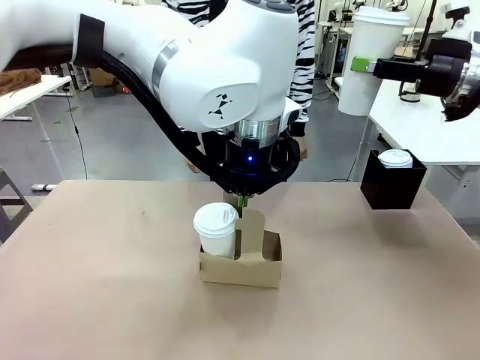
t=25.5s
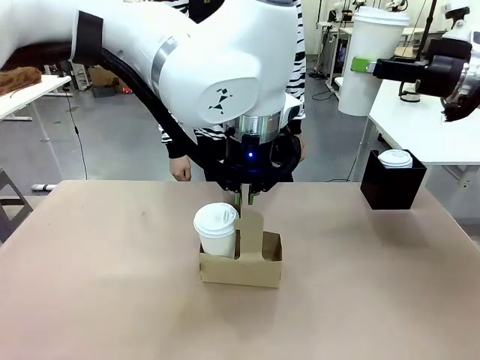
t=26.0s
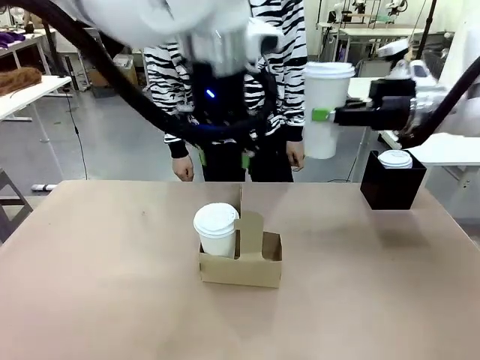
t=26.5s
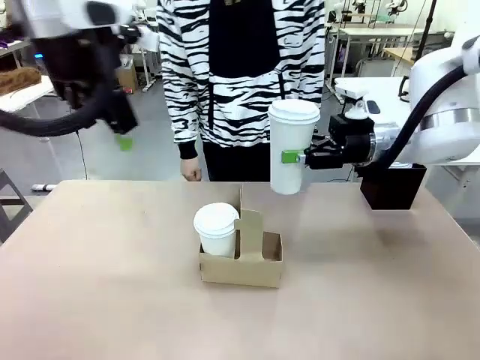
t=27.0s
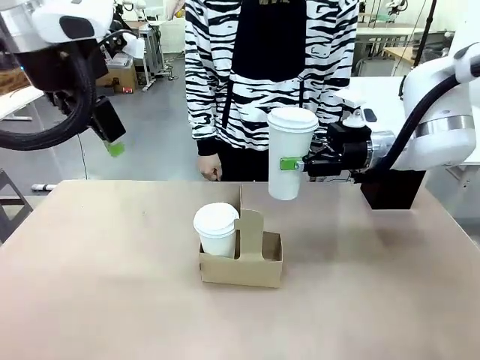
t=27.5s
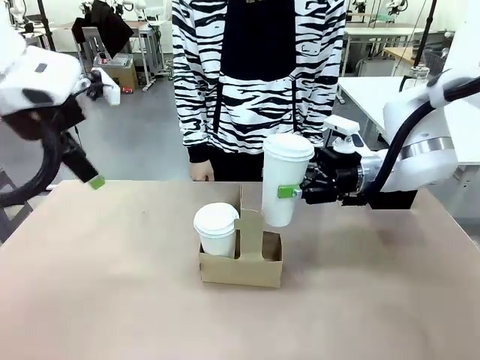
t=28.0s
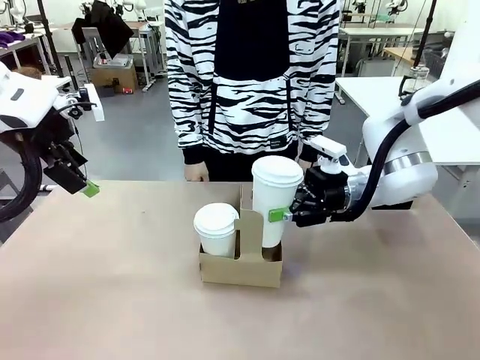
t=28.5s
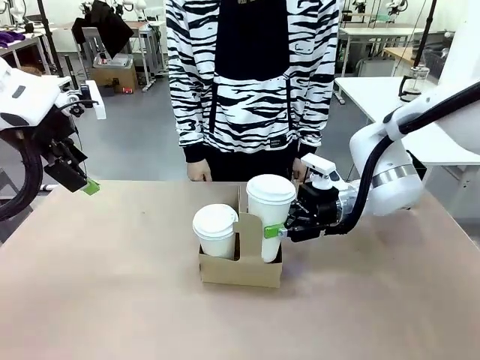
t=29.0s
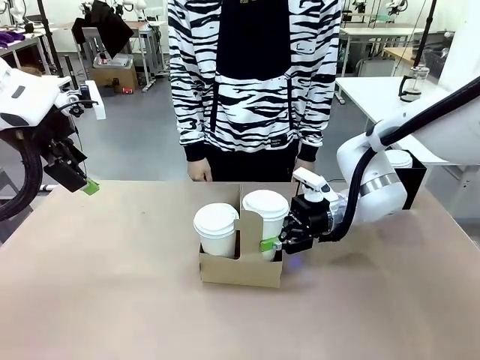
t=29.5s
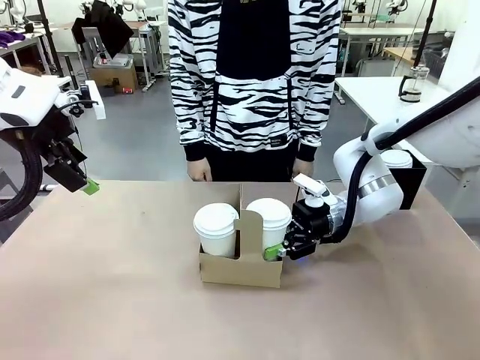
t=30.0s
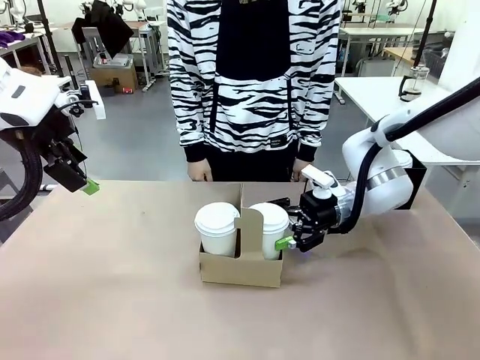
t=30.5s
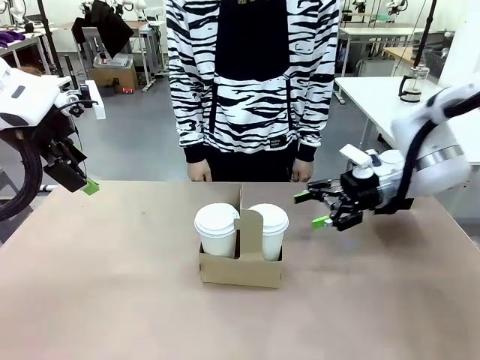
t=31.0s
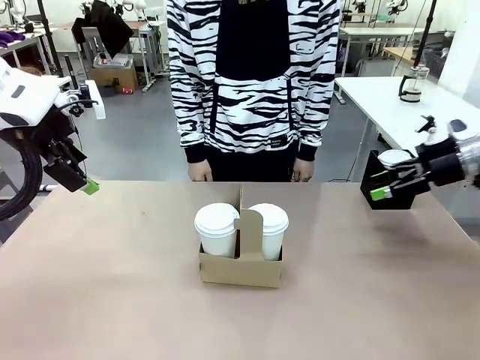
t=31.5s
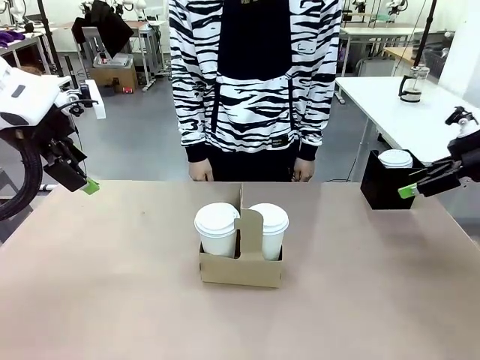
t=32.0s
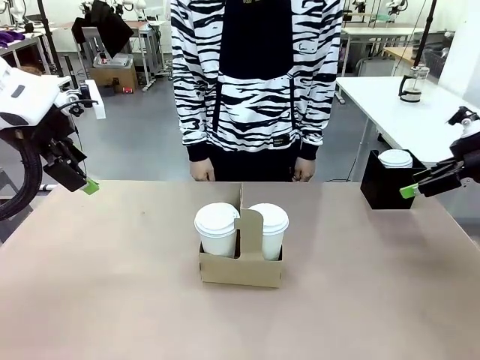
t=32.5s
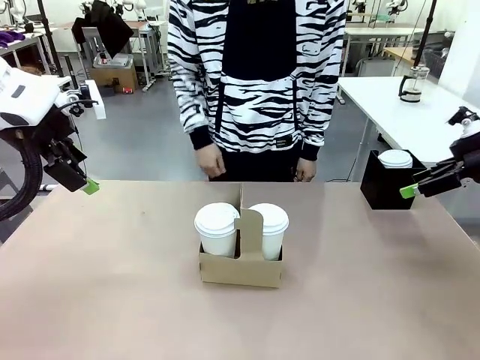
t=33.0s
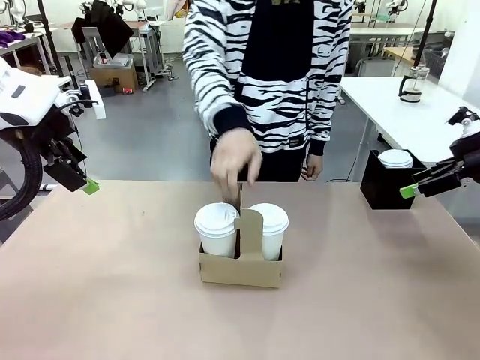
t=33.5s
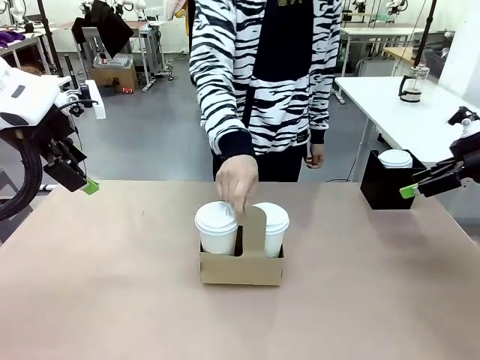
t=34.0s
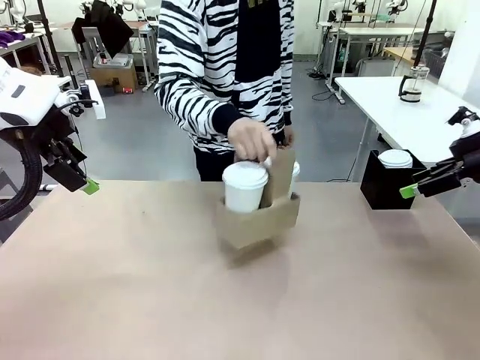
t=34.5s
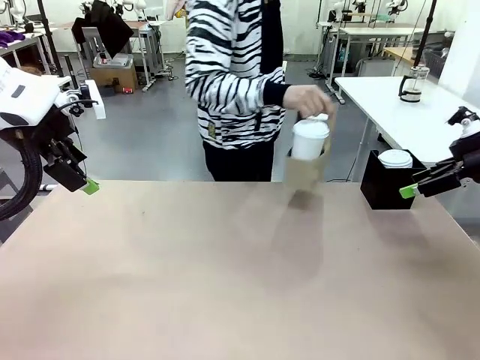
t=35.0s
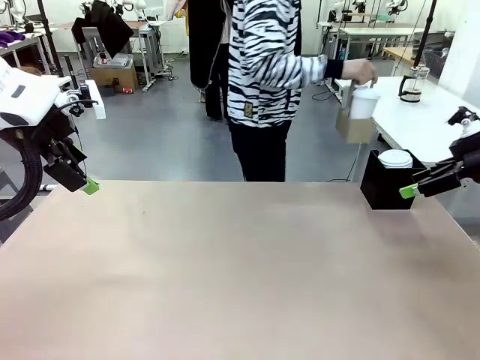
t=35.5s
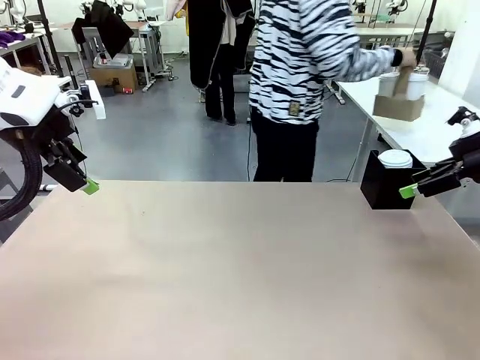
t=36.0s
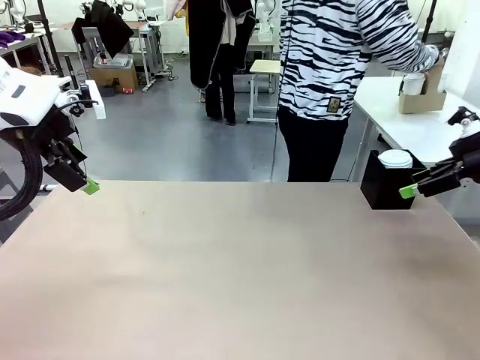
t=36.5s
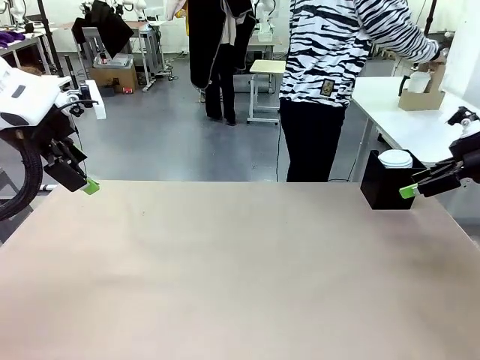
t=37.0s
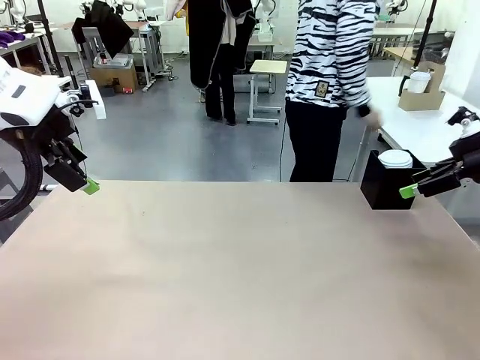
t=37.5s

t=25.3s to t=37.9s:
Task: Pour a drink into a cup and package it in a carrier.
Robot: Insert the held 600 ml Paper Cup into the Cup Carrier.
Person: Place the Cup Carrier to the middle of Human table.

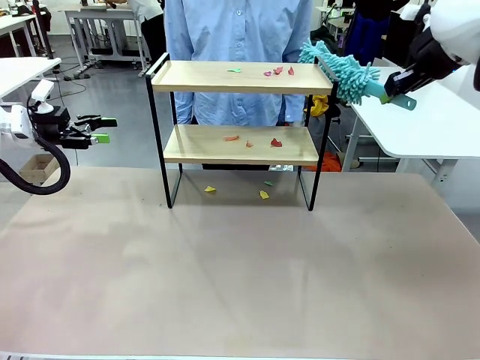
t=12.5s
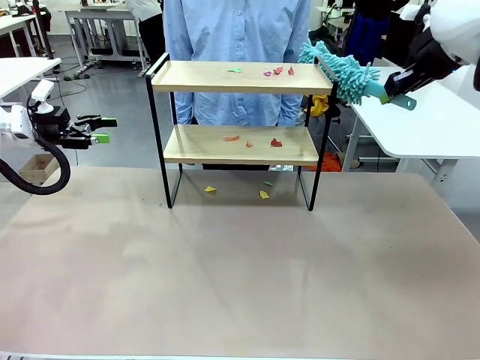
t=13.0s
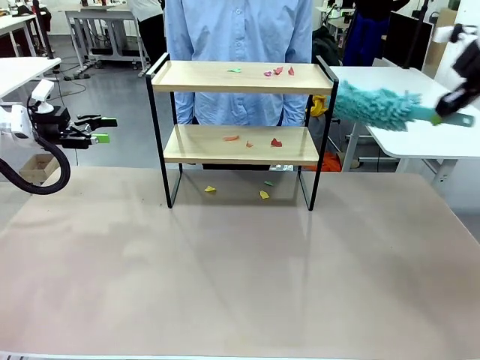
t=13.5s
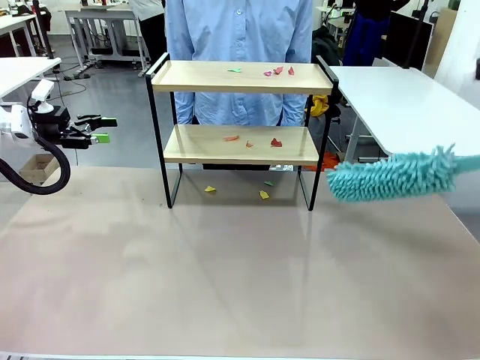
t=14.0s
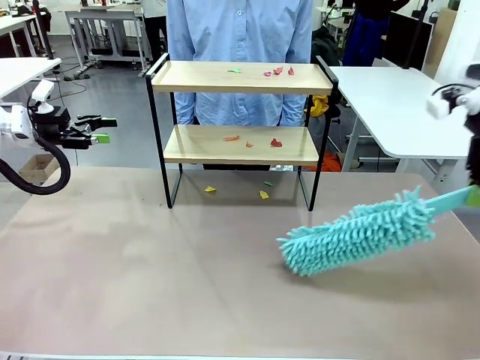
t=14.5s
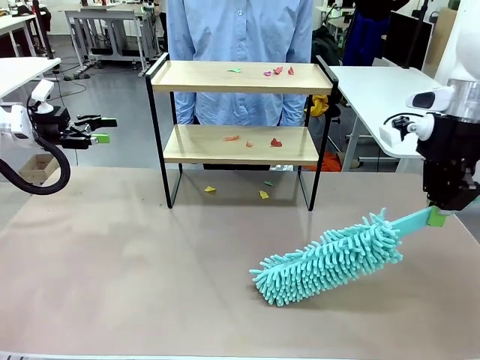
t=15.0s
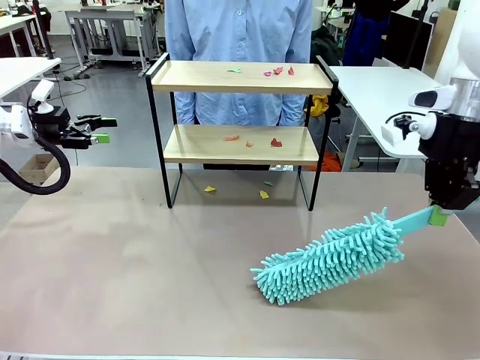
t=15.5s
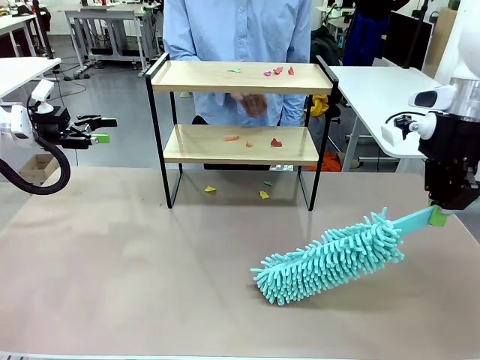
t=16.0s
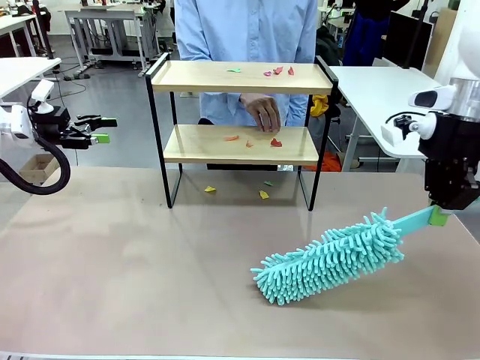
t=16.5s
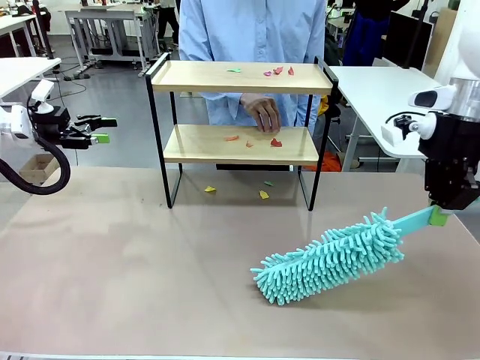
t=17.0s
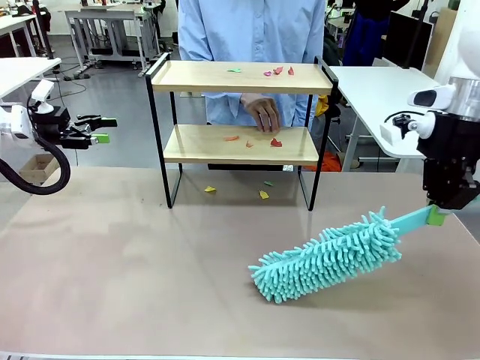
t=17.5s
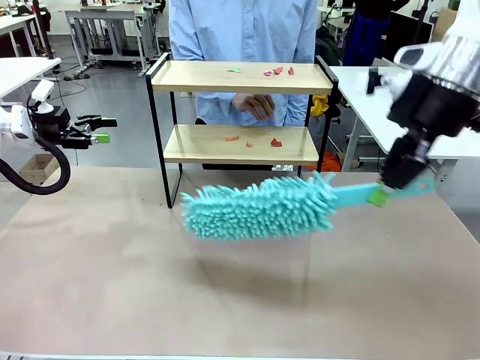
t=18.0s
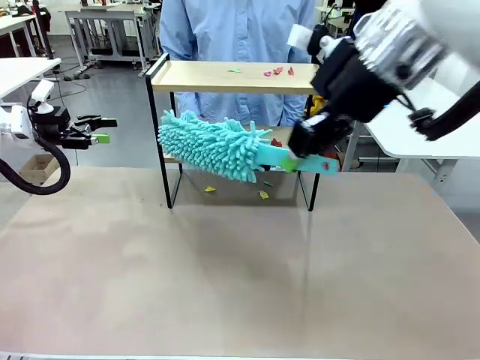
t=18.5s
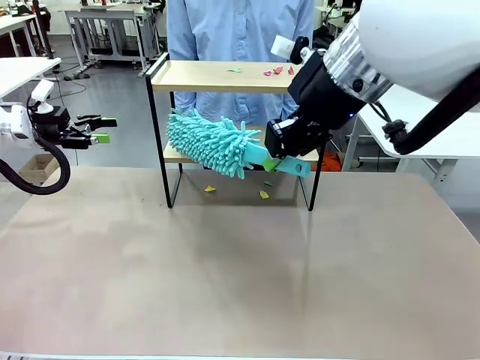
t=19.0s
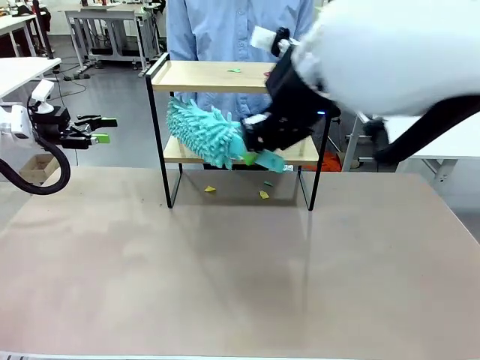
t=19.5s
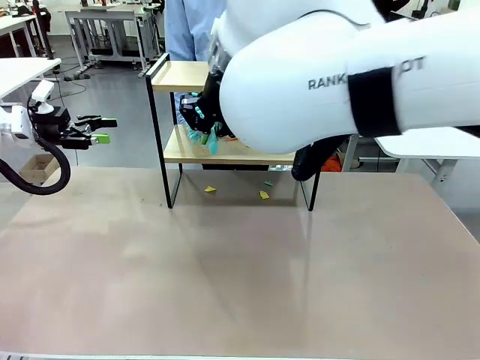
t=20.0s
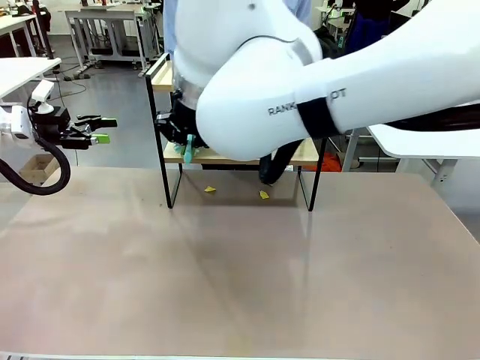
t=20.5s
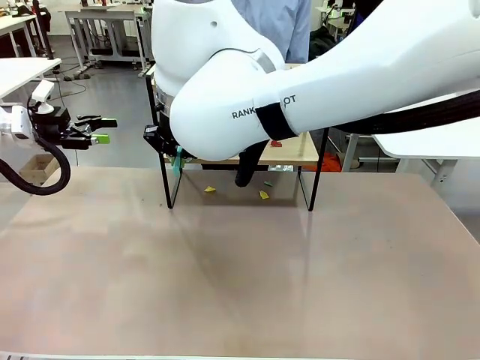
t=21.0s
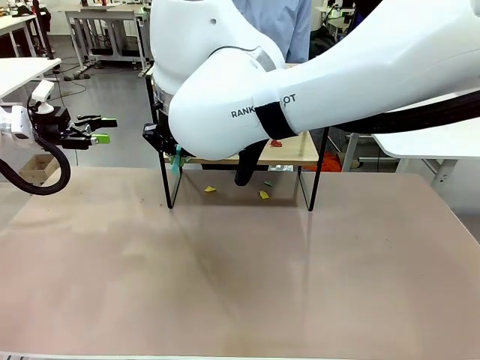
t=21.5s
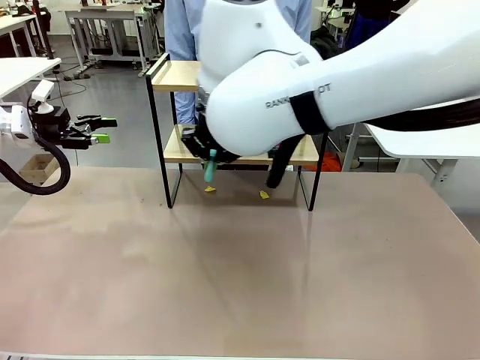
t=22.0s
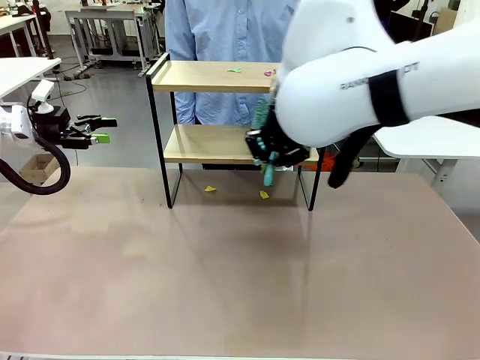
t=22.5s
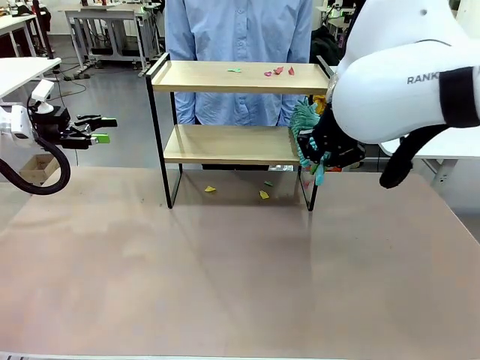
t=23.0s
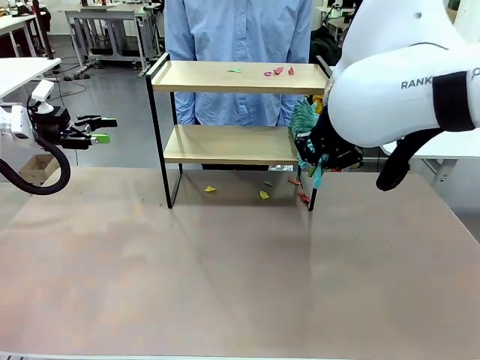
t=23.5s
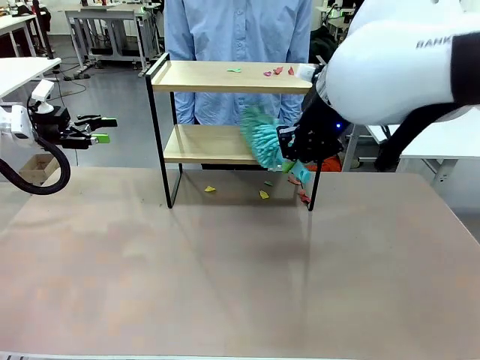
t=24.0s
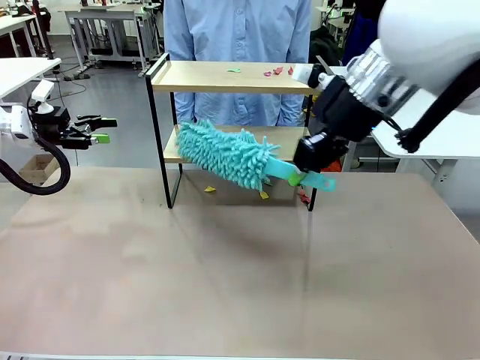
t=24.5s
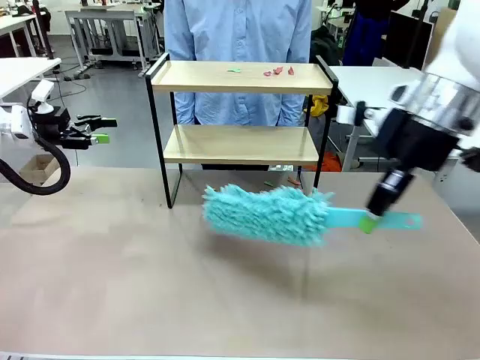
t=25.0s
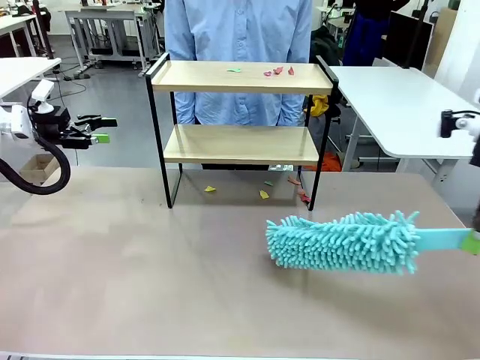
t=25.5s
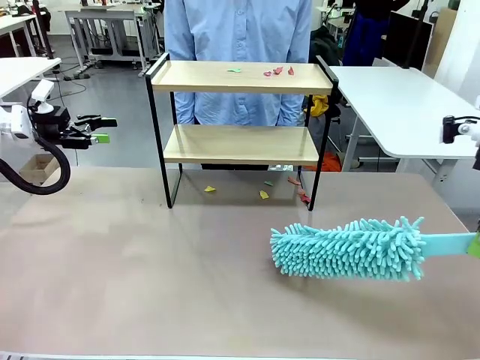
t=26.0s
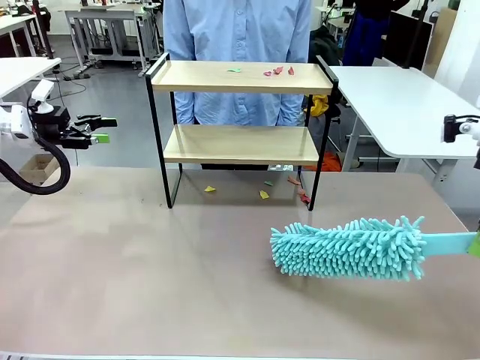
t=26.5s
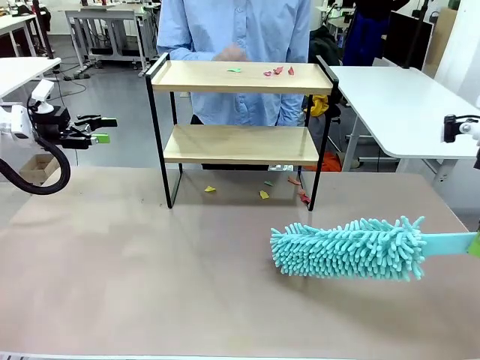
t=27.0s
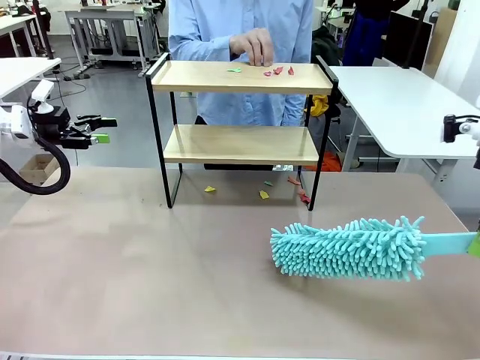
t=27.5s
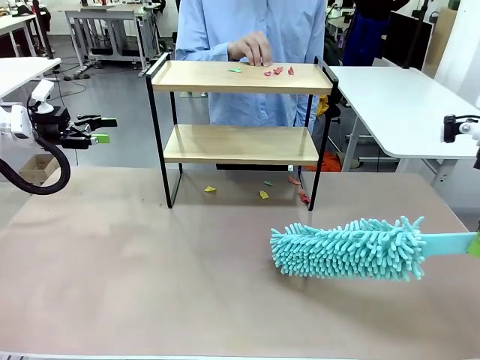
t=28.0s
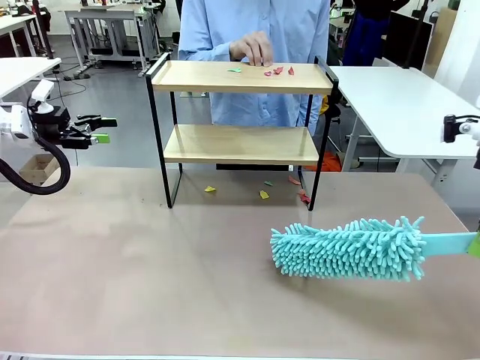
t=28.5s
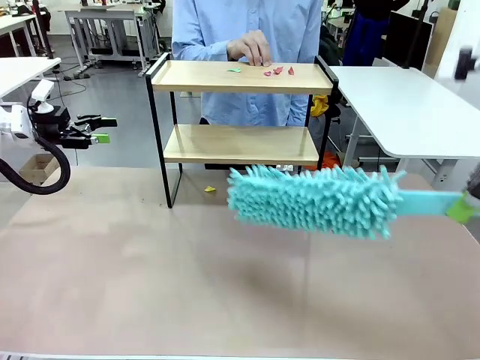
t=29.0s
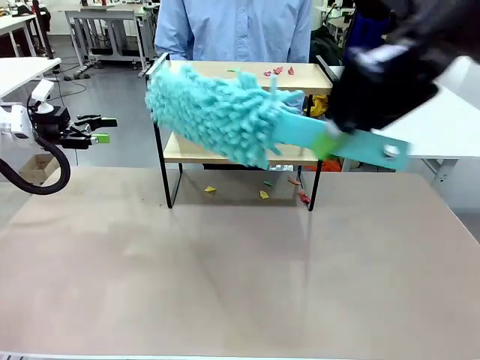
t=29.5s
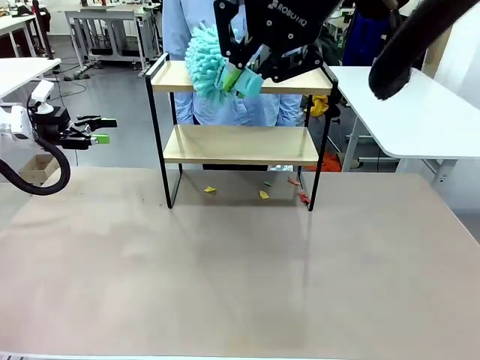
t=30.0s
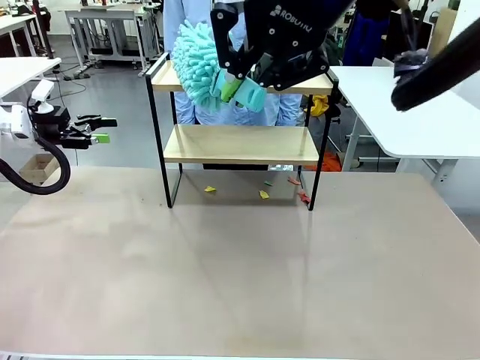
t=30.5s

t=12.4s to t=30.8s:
Task: Clean the shelf.
Robot: Clean the specific section of the Shelf indicated by the human with the Duster.
Person: Point a random section of the Shelf.
